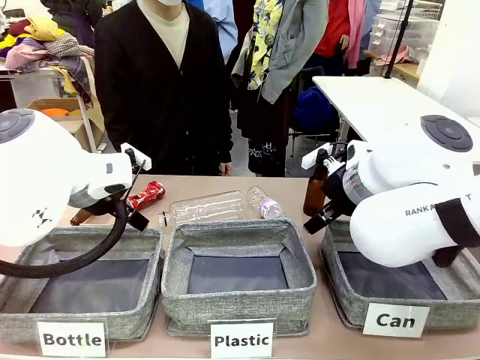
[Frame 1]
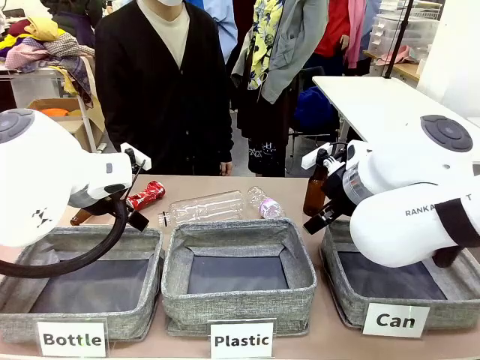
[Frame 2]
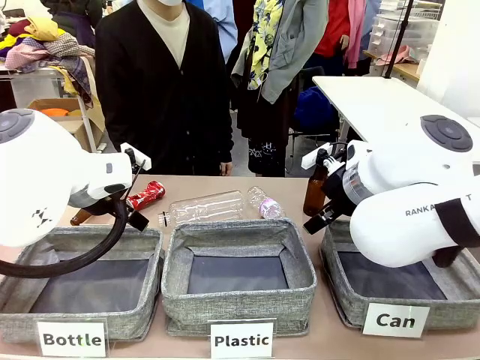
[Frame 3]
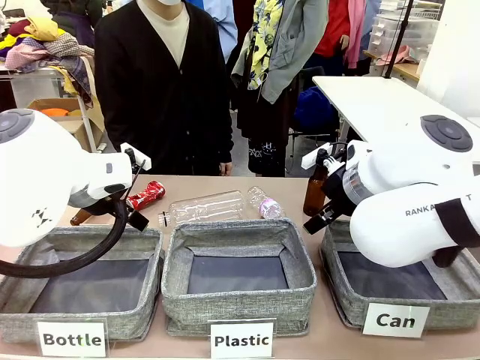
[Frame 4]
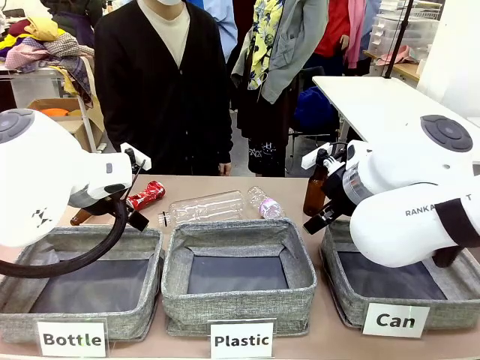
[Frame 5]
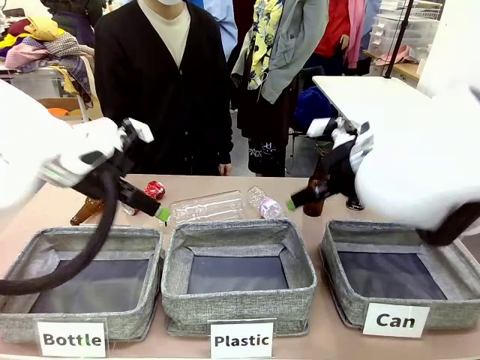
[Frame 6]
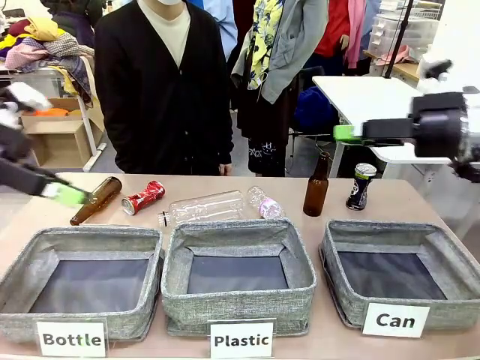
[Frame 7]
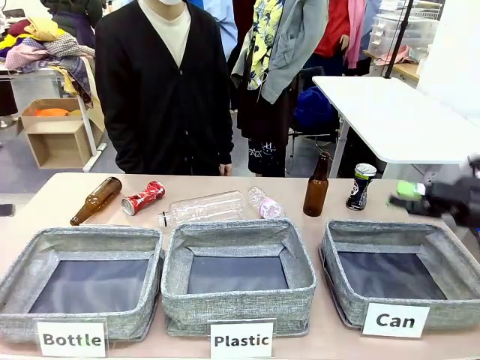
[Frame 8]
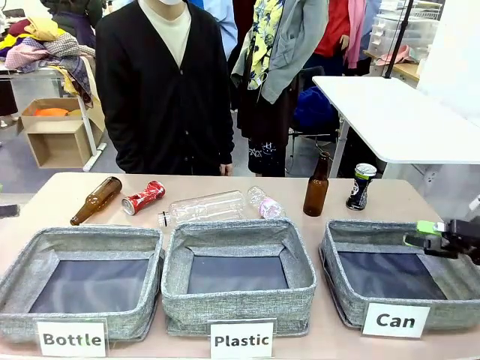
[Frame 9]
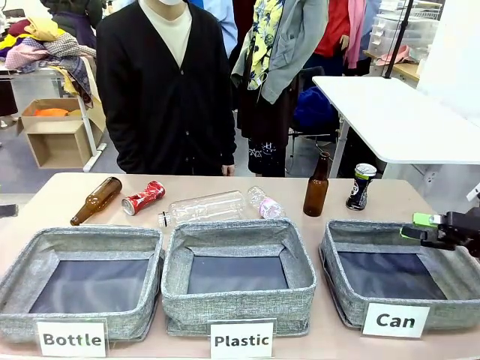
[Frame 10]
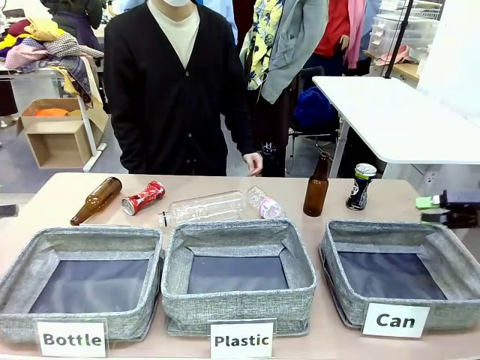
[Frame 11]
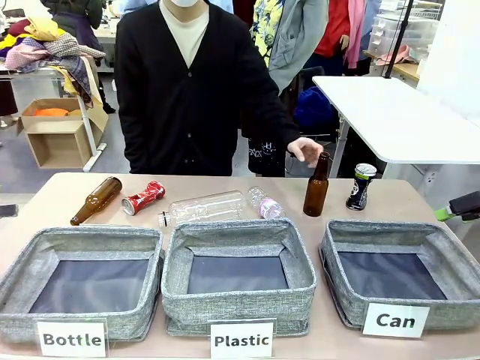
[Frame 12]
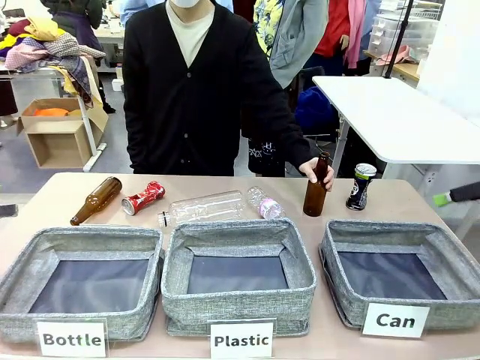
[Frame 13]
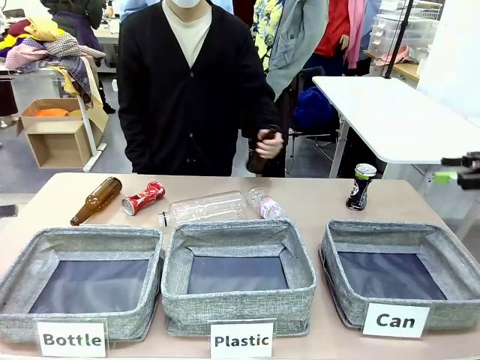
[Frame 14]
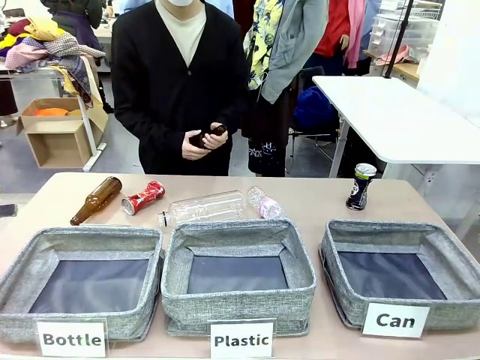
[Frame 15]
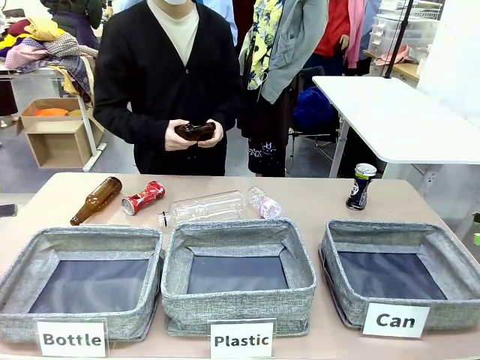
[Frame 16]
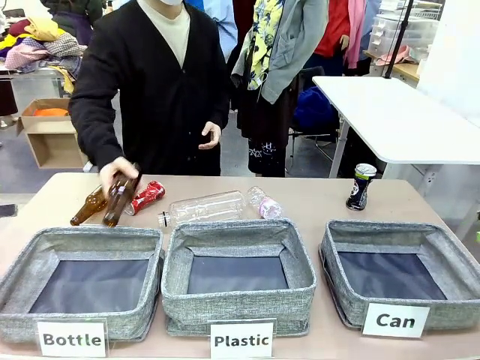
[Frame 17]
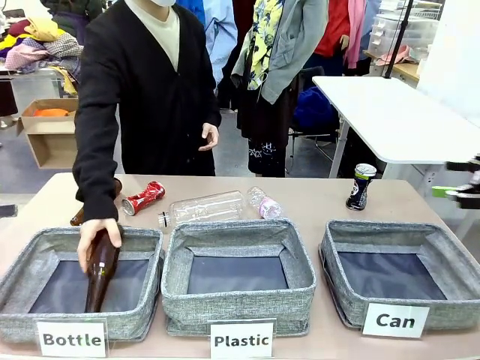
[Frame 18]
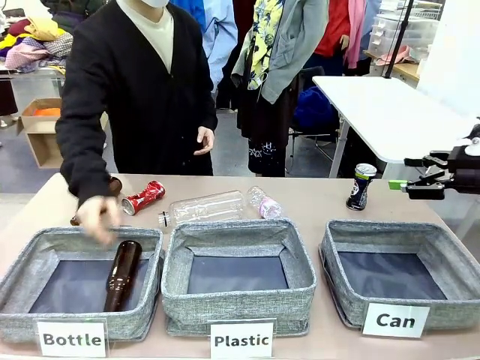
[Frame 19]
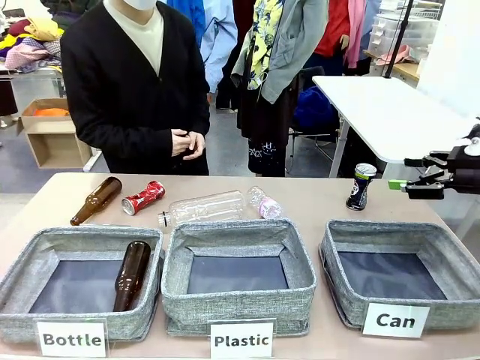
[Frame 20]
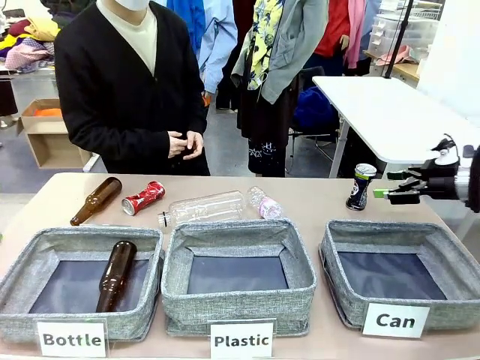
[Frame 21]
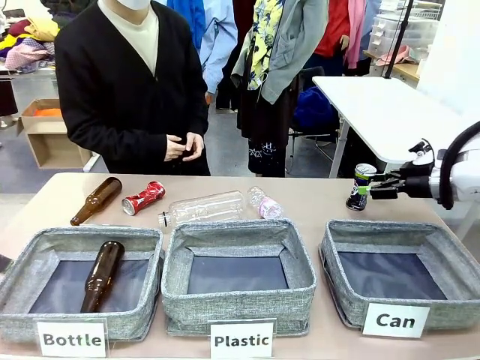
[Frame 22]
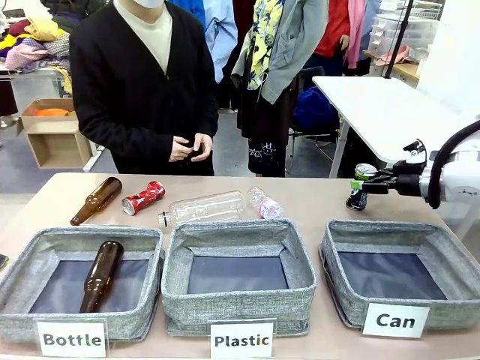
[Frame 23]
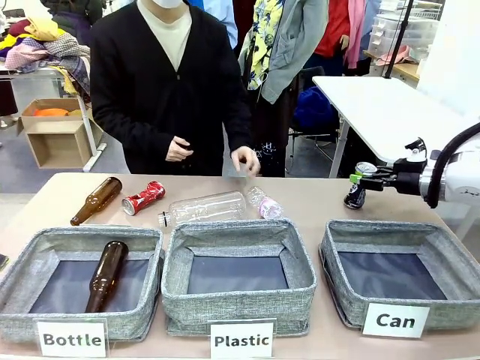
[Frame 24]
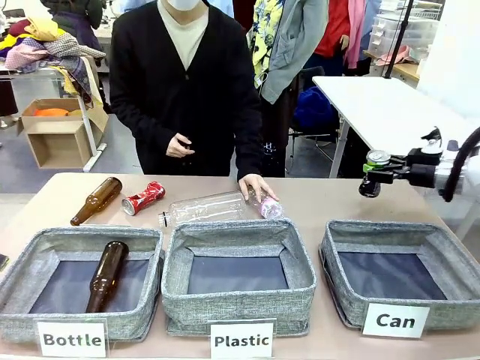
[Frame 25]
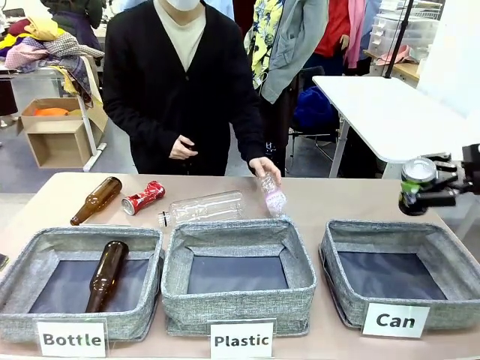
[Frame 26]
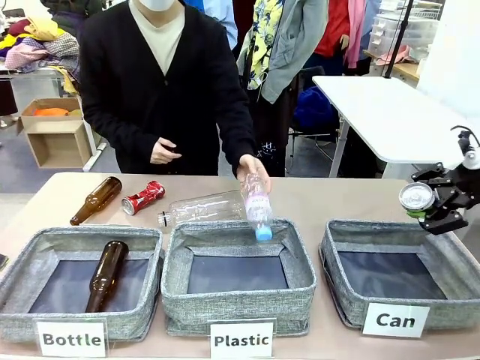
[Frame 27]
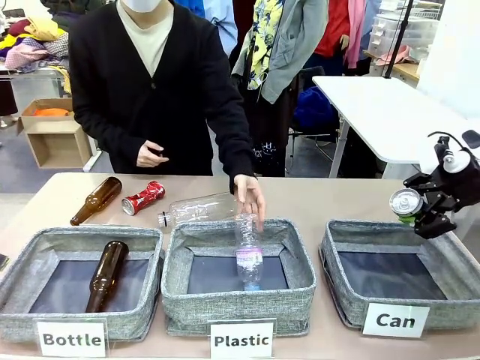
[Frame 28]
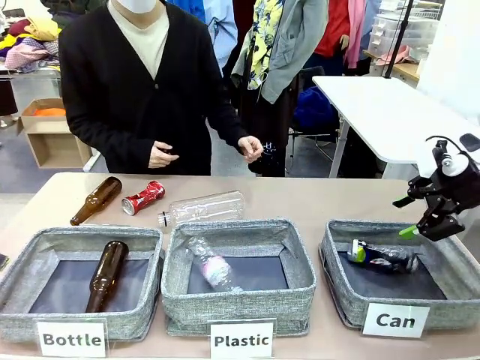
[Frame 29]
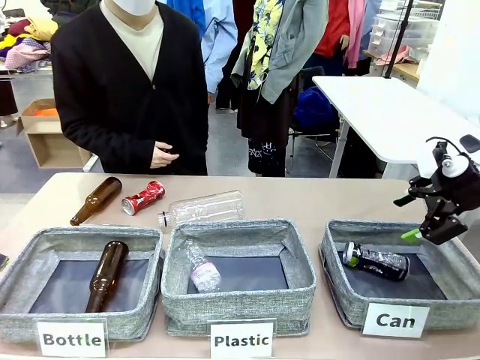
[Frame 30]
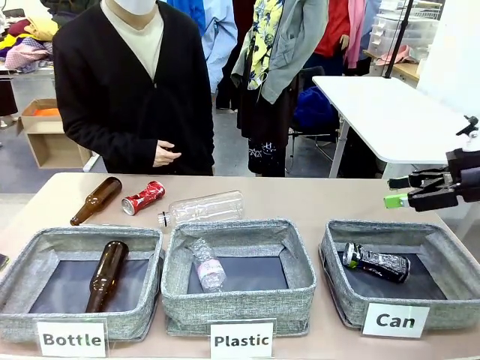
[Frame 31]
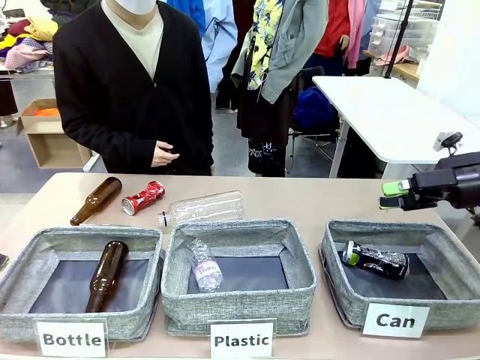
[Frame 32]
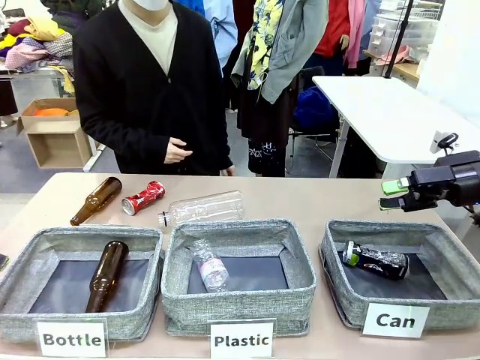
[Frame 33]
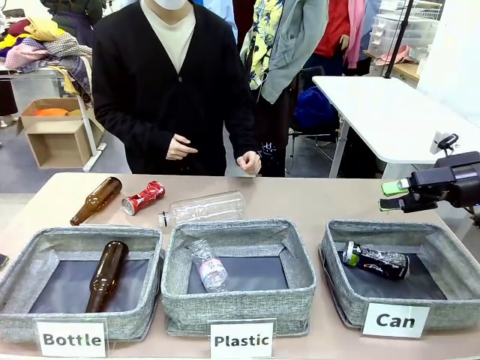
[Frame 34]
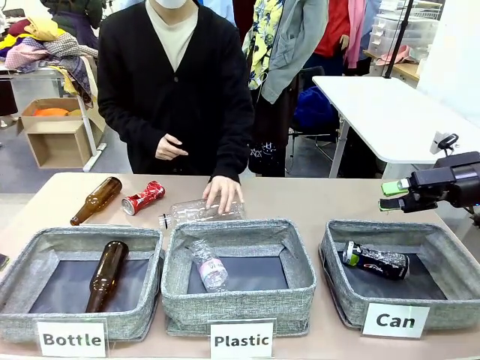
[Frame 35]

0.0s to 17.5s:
Task: Sort the can waste into the basket.
Robot: Pick up the can waste from the table and place it in the right Fabric basket.

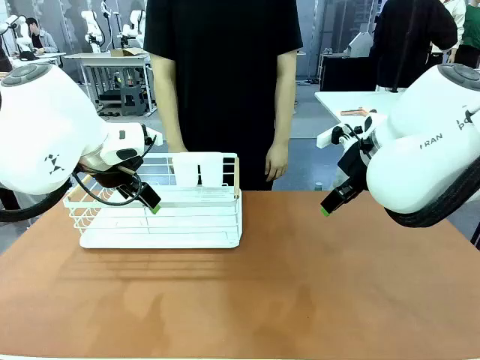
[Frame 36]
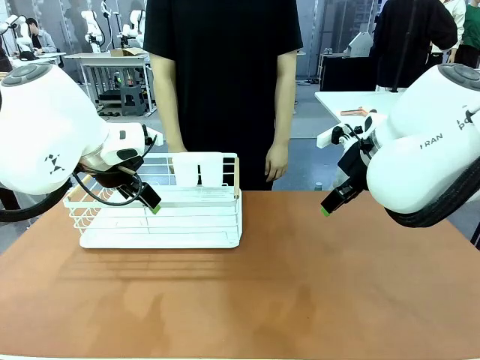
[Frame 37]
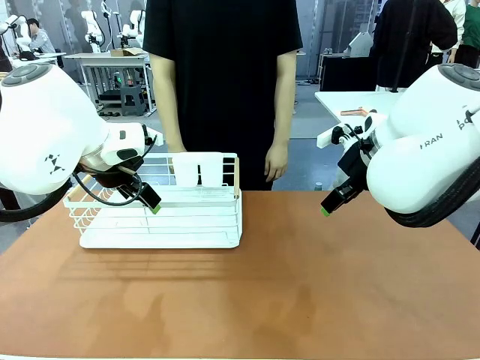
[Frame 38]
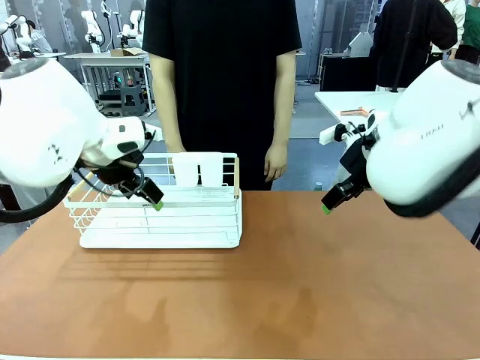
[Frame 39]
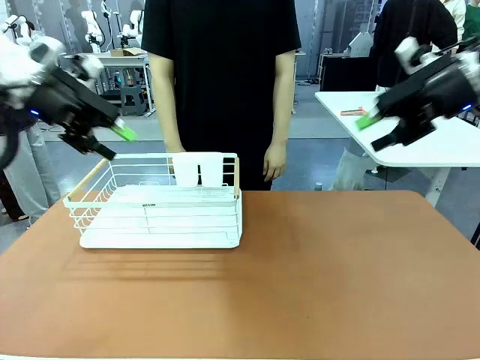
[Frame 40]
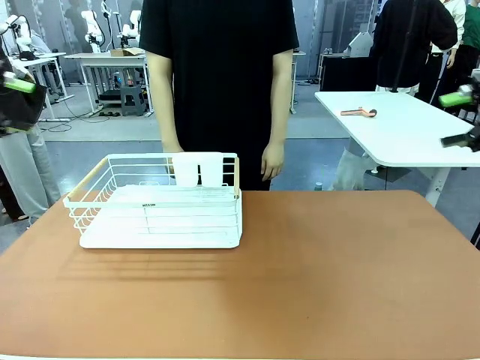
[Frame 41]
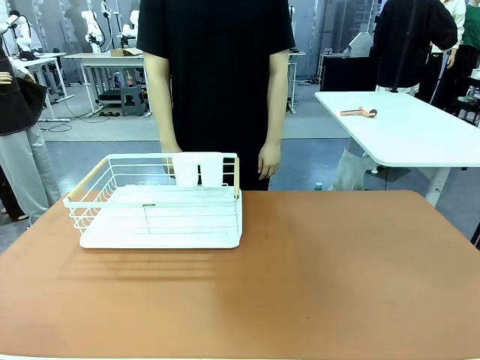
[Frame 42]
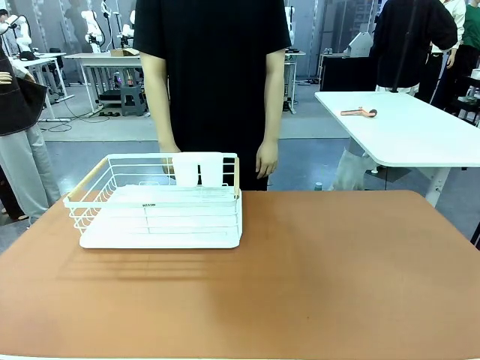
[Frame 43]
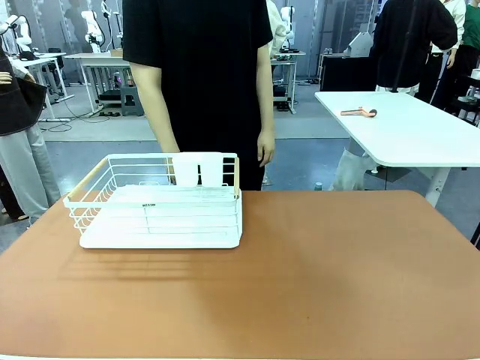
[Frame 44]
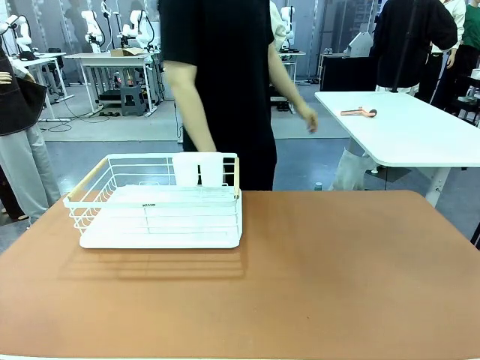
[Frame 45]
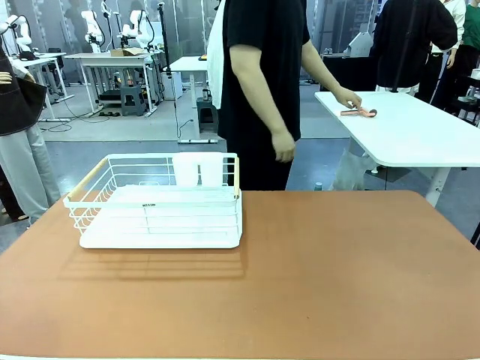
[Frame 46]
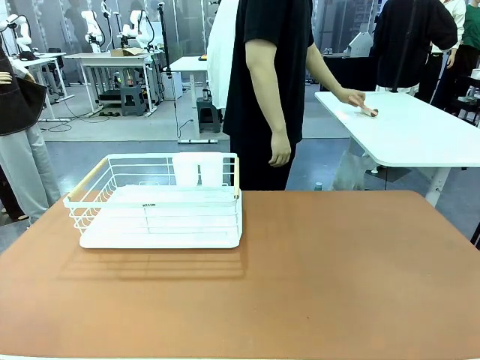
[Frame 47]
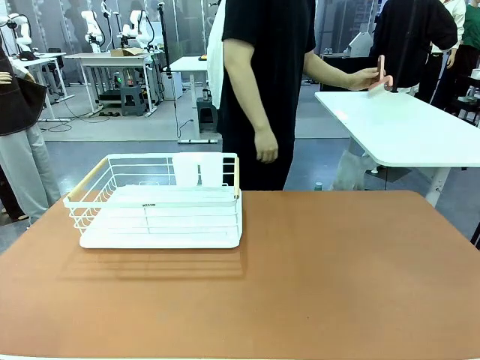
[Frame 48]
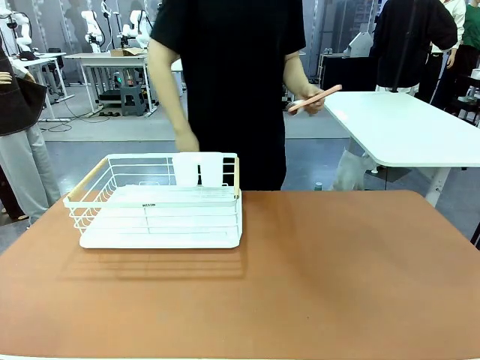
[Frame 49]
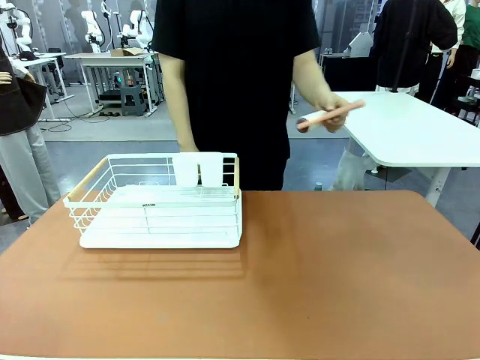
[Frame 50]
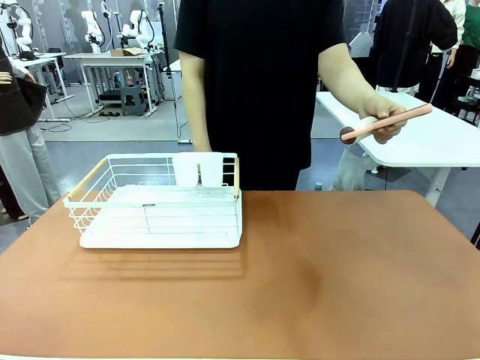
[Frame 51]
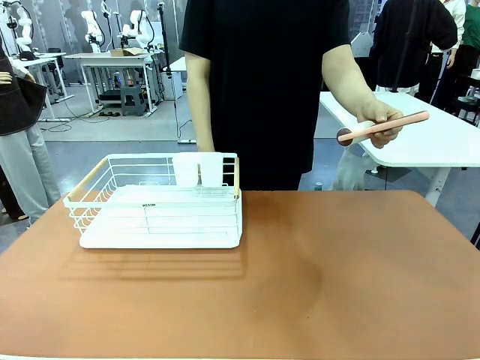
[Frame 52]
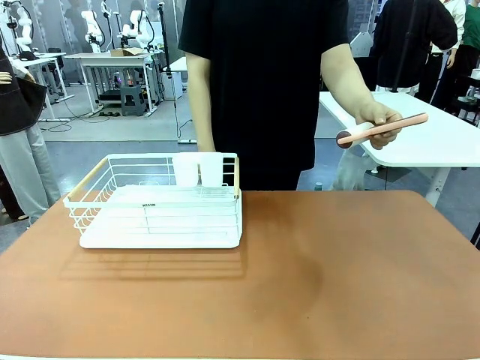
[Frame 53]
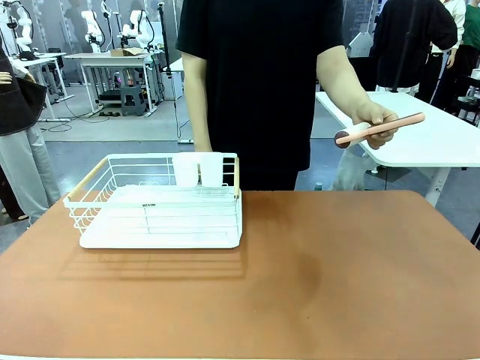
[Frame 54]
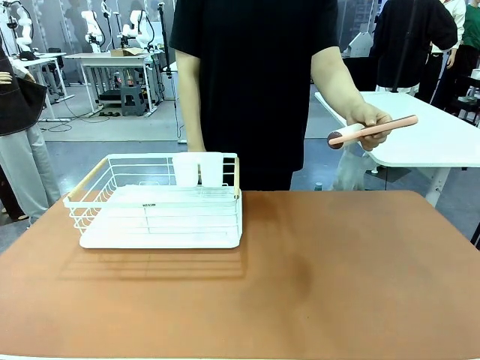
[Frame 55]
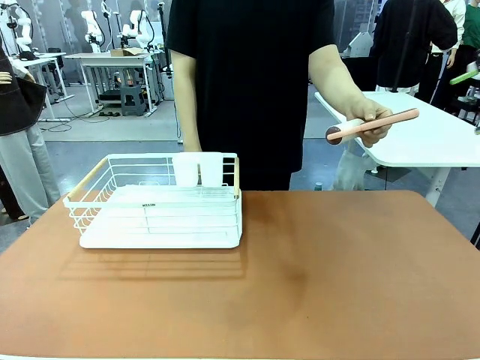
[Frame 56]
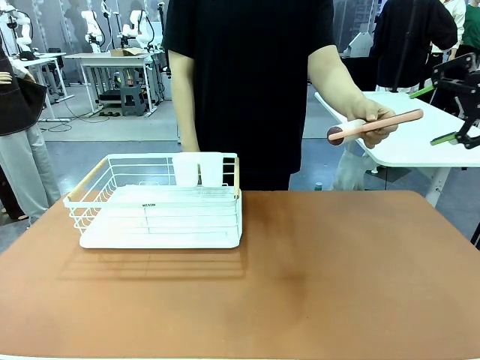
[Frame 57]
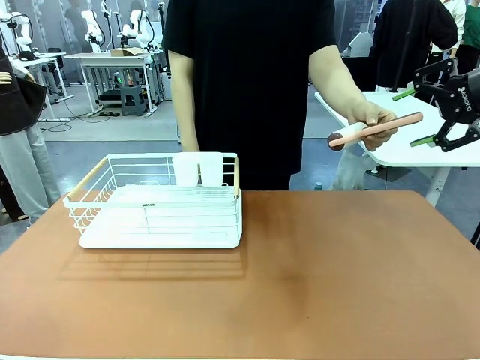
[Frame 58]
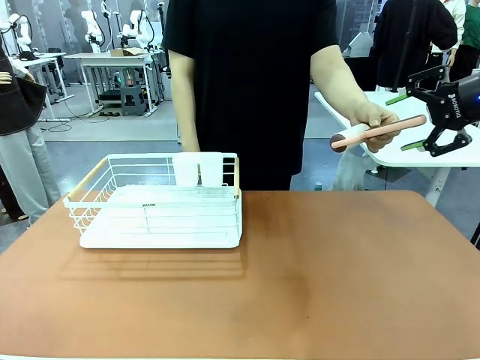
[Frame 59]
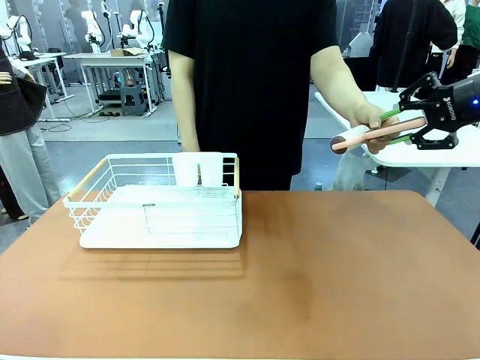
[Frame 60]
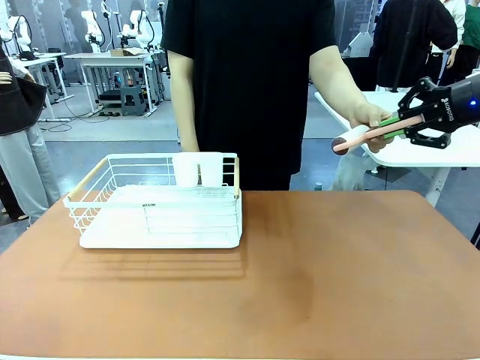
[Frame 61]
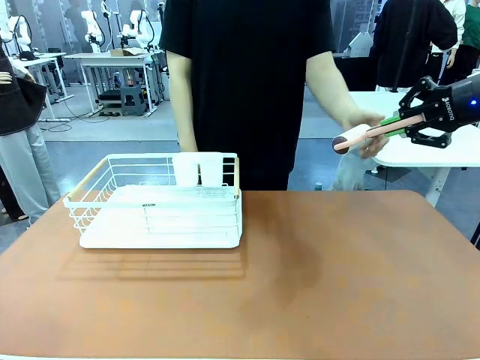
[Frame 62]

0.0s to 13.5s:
Task: Clean the table.
Robot: Pick up the Lint Roller when the human hands it over.
Person: Hand the Lint Roller to the robot so it can easily pick it up. Lift the Dish drying rack.
